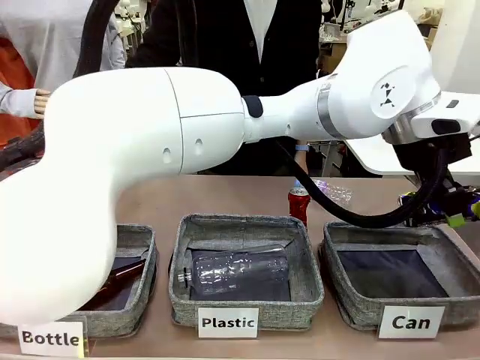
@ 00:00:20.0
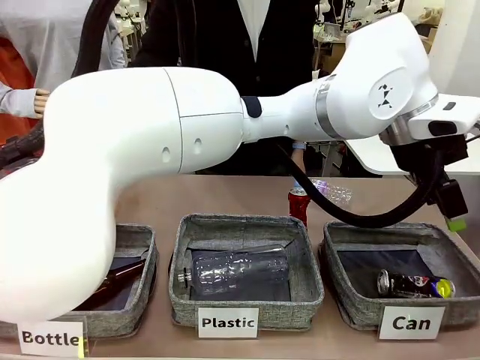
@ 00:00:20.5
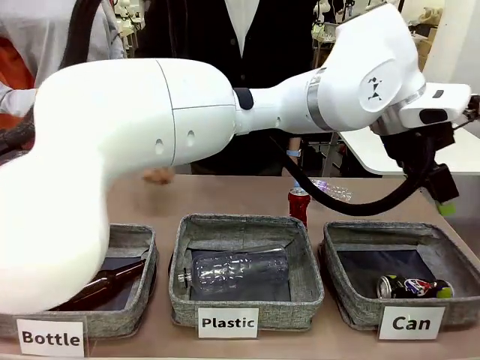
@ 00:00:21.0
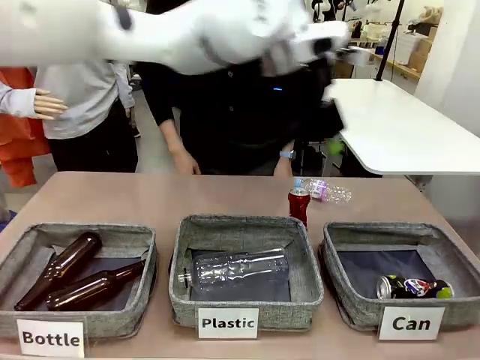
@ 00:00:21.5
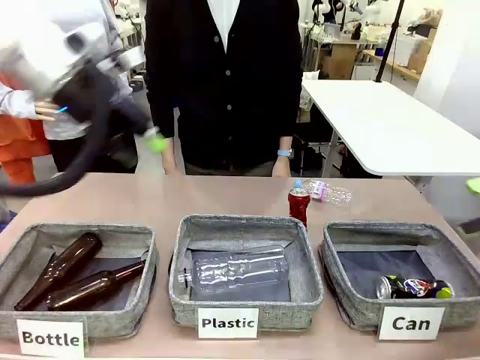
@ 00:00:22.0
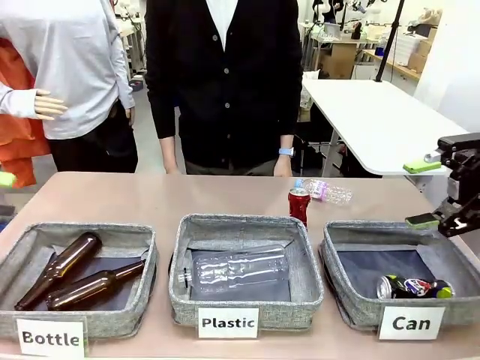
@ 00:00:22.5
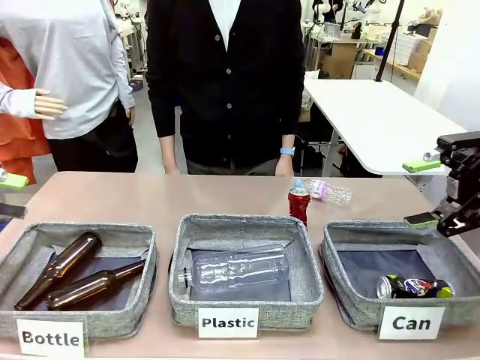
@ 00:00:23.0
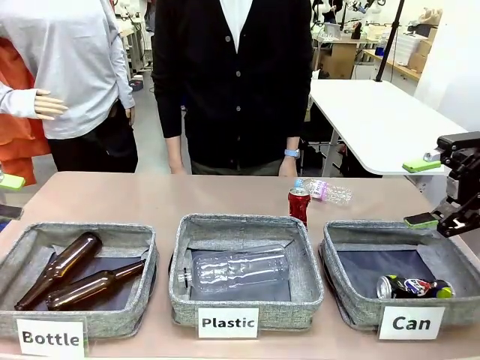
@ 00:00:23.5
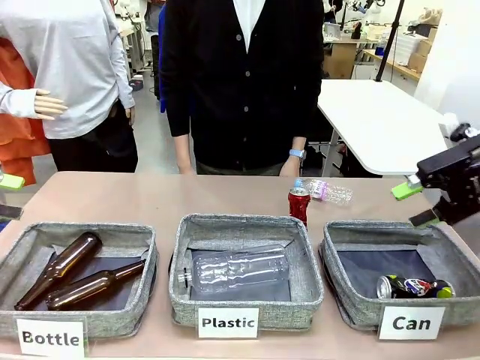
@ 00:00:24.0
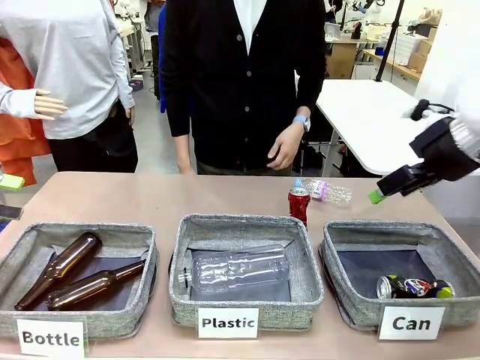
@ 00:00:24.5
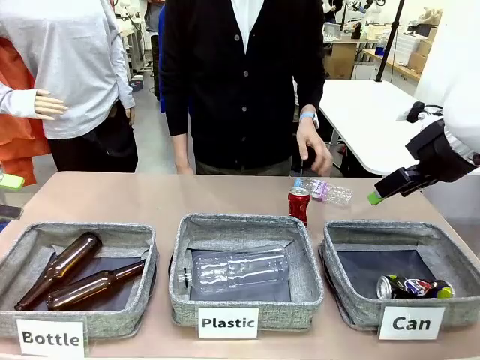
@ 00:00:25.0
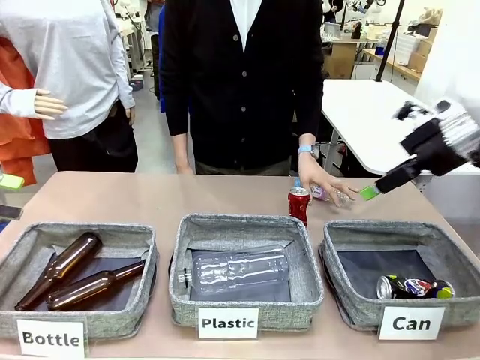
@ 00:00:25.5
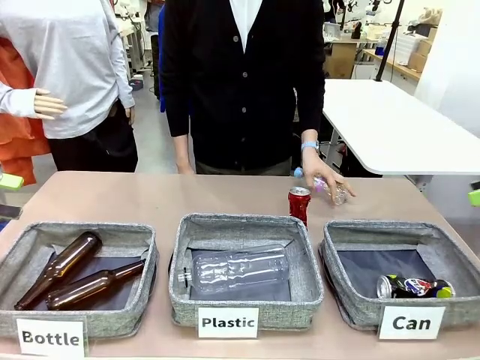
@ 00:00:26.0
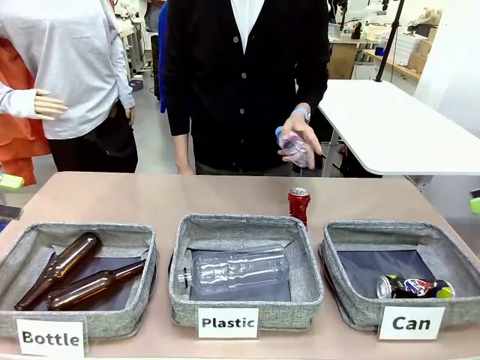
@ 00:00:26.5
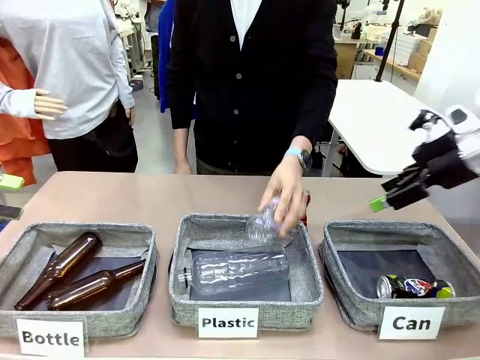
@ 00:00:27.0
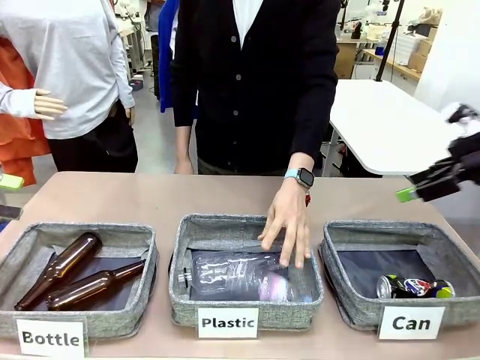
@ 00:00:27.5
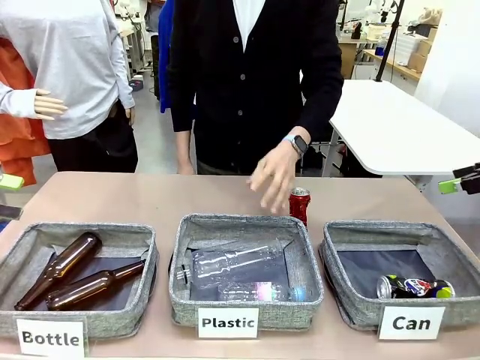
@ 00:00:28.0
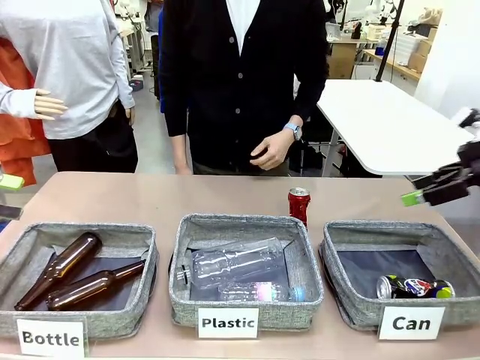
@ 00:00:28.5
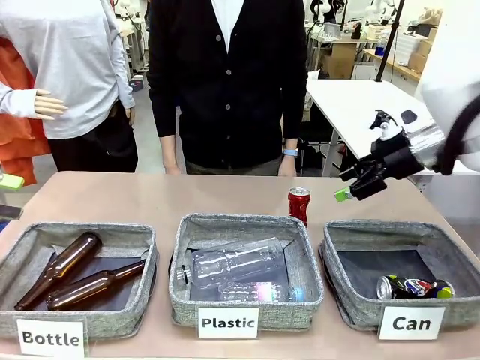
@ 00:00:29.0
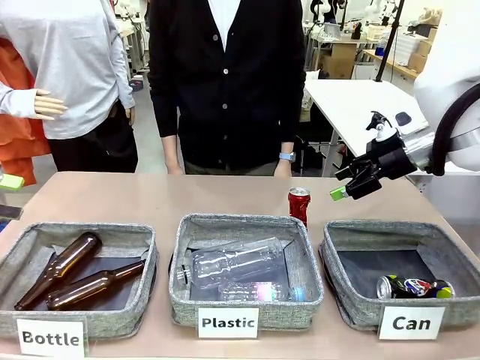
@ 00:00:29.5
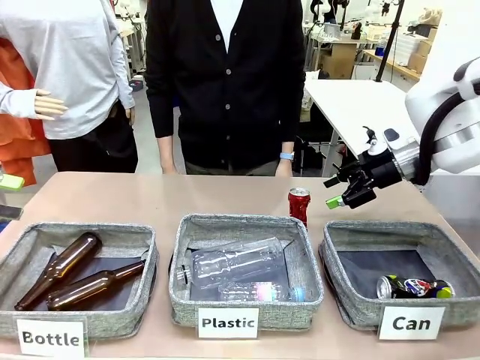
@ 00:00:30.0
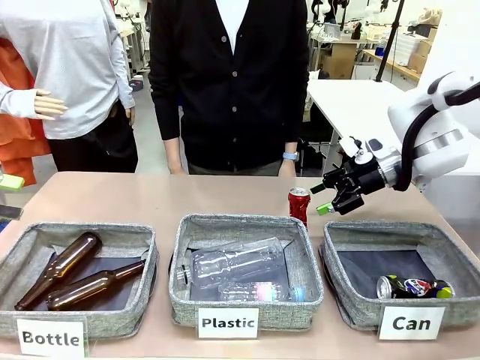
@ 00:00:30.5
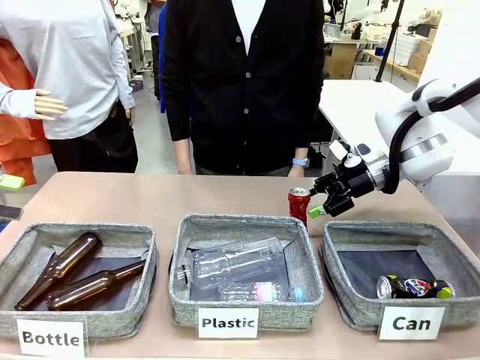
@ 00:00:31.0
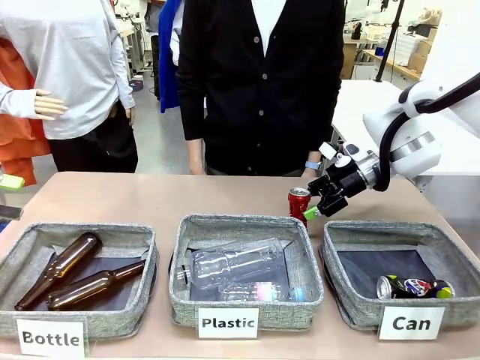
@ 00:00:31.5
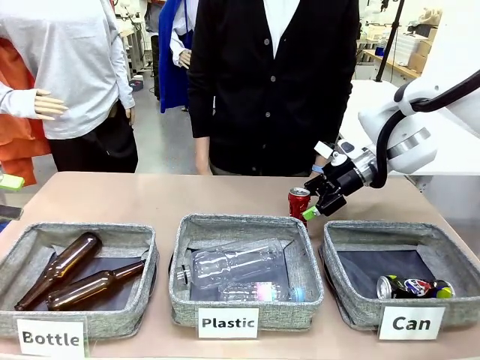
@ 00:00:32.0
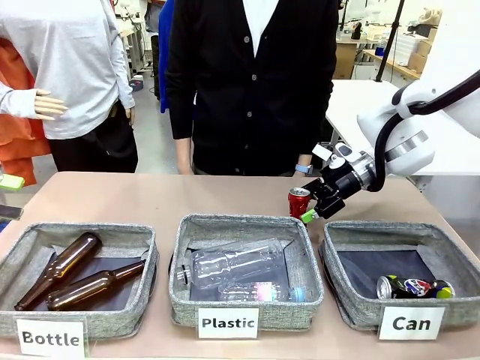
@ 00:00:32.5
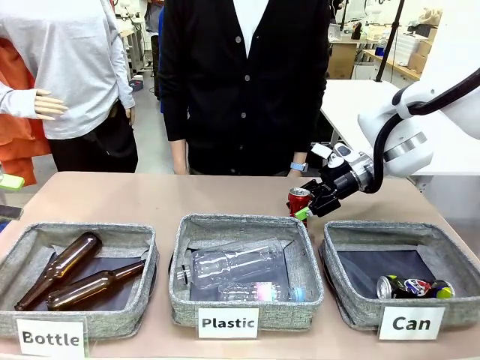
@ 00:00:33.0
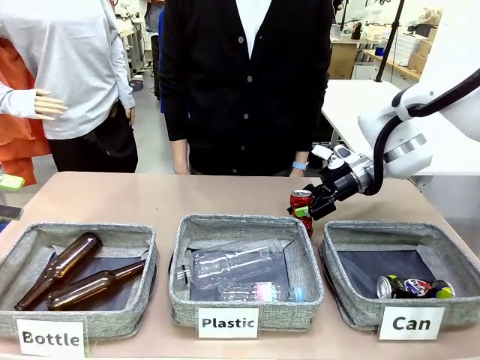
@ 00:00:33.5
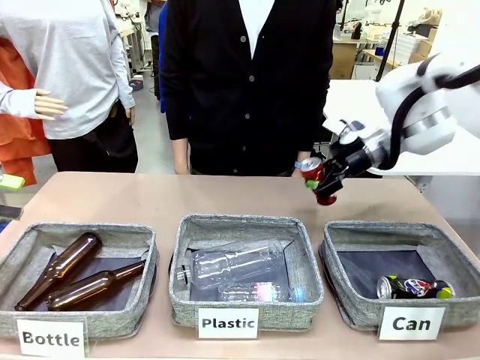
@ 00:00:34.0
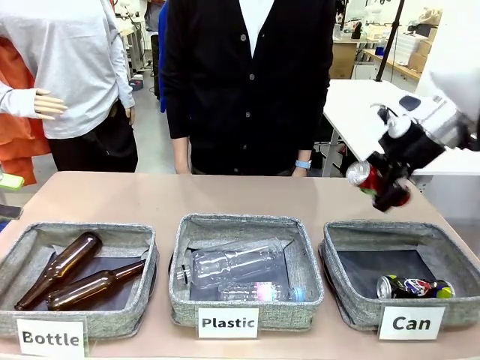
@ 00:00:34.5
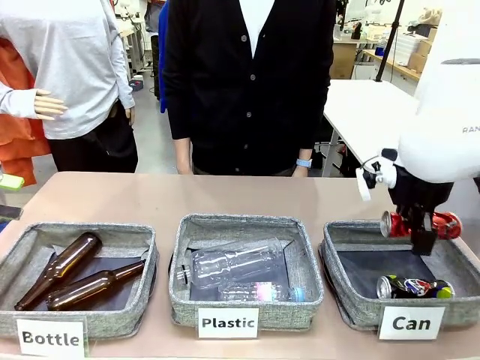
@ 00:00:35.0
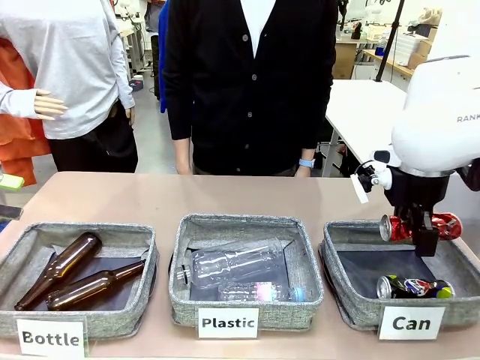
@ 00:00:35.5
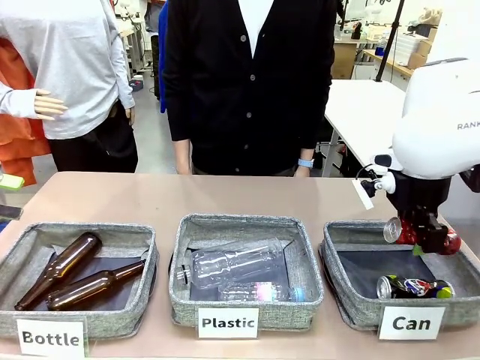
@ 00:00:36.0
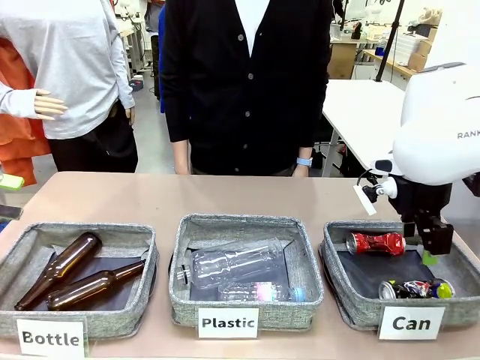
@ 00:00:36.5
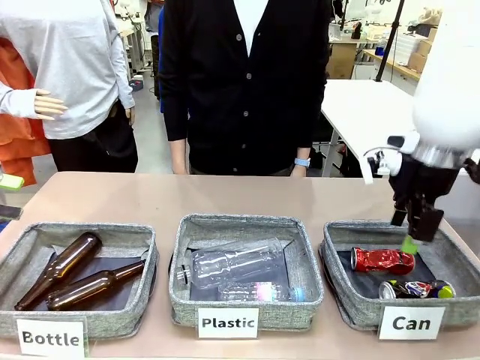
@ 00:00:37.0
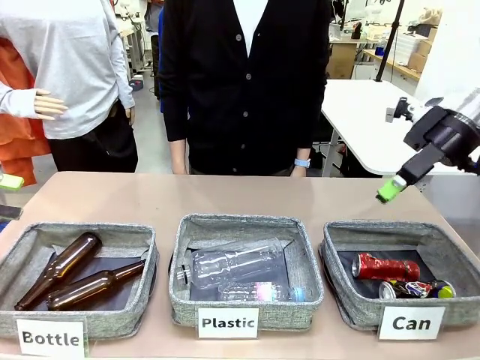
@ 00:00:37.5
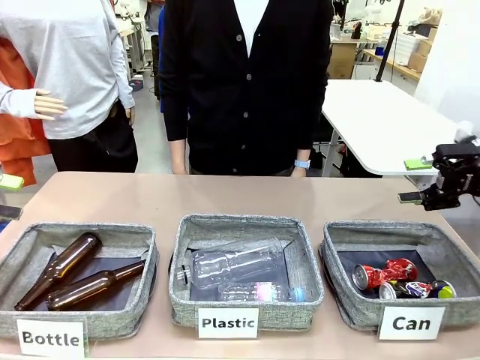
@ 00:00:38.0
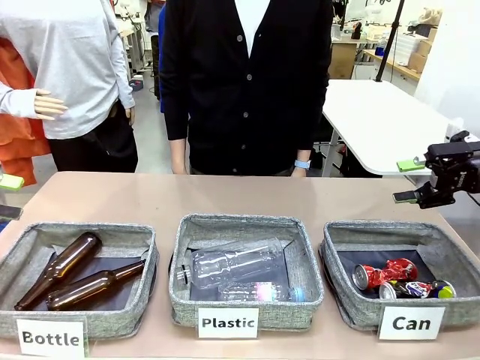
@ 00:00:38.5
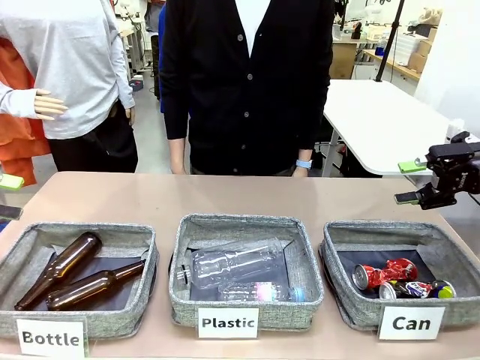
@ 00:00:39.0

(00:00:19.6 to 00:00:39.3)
Task: Sort the can waste into the basket.
Robot: Pick up the can waste from the table and place it in the right Fabric basket.
Person: The human picks up one piece of trash that is not a can and places the trash into the appropriate organizing basket.

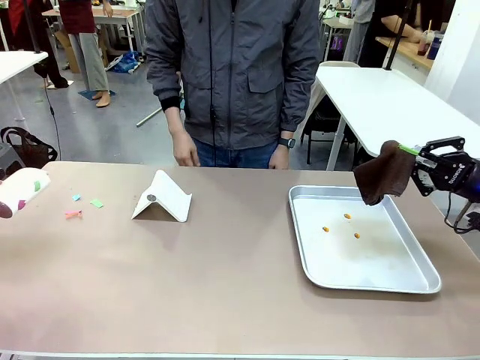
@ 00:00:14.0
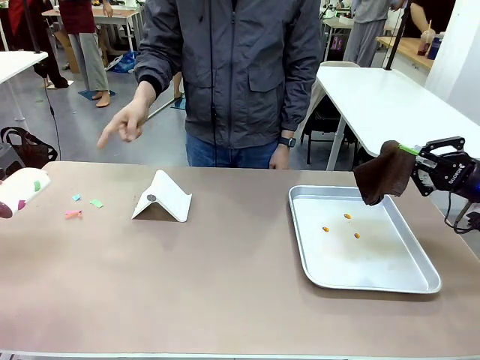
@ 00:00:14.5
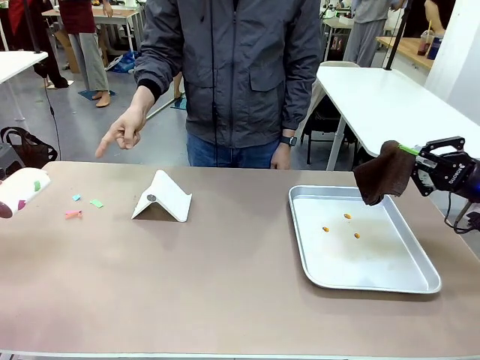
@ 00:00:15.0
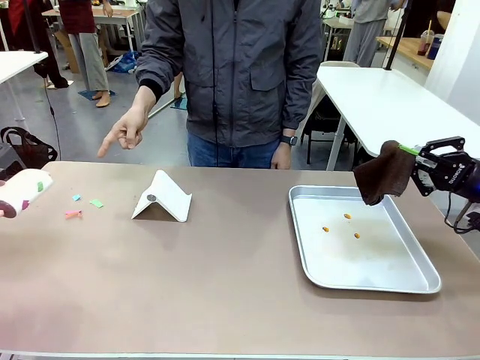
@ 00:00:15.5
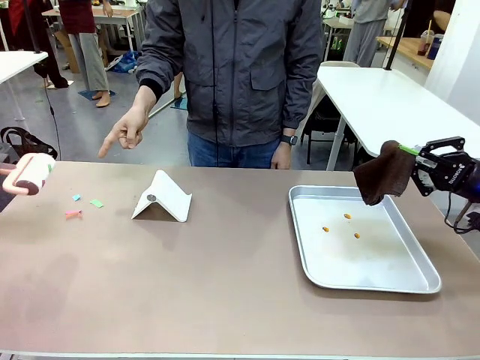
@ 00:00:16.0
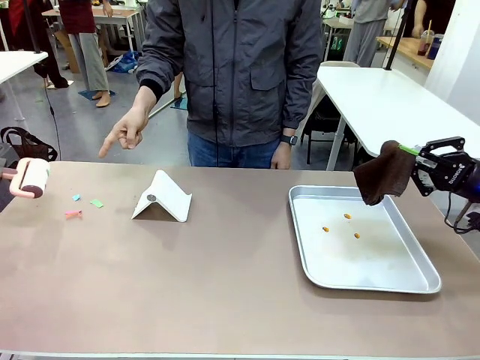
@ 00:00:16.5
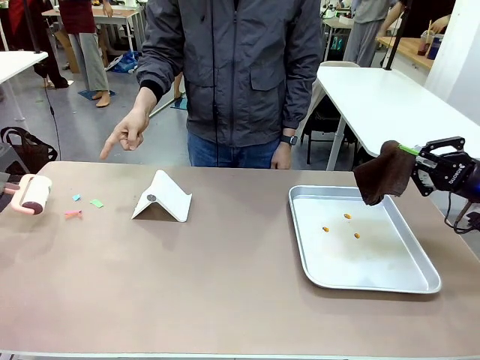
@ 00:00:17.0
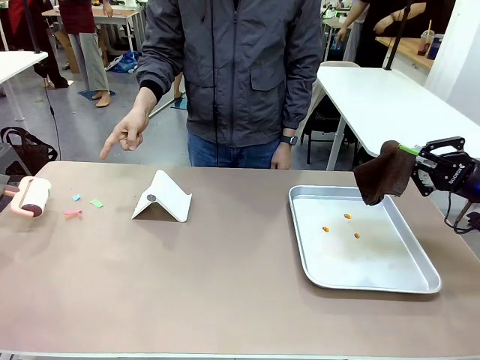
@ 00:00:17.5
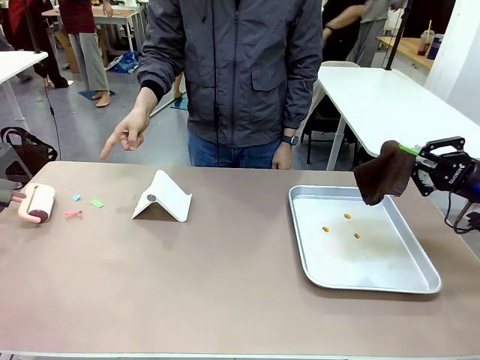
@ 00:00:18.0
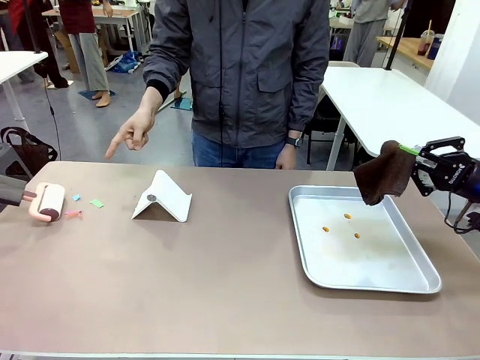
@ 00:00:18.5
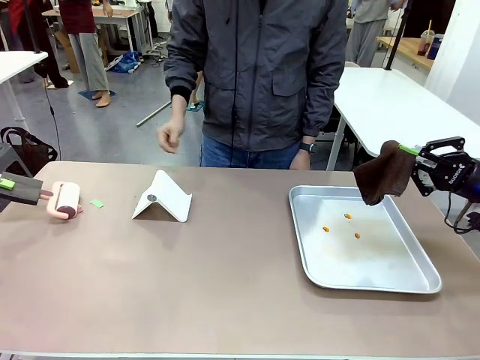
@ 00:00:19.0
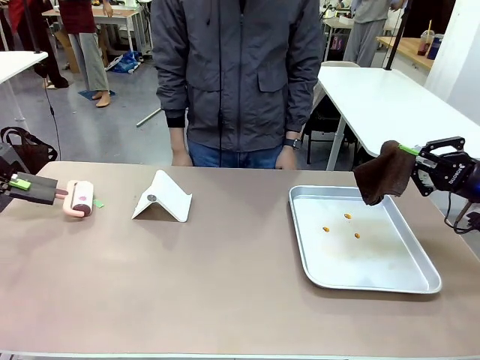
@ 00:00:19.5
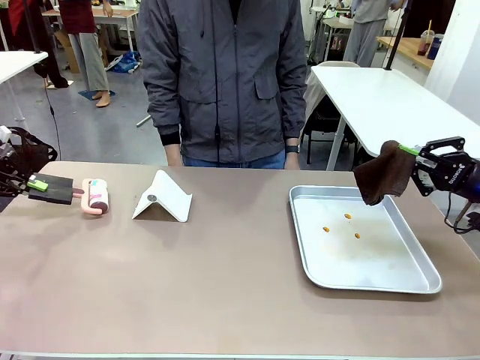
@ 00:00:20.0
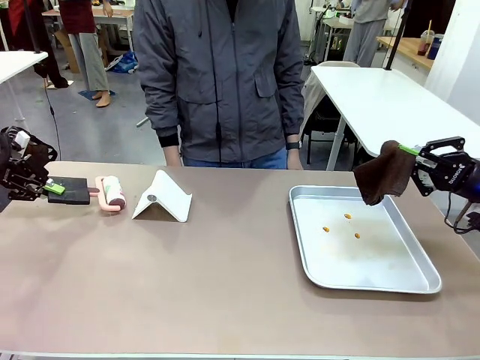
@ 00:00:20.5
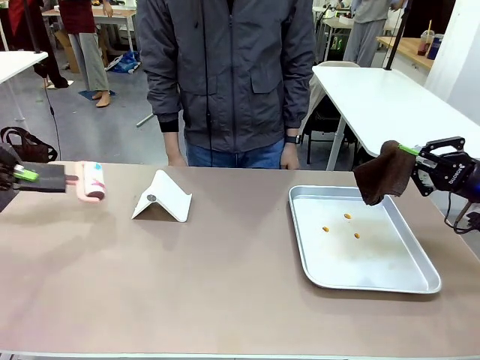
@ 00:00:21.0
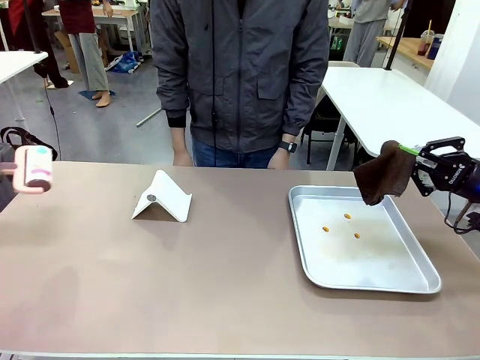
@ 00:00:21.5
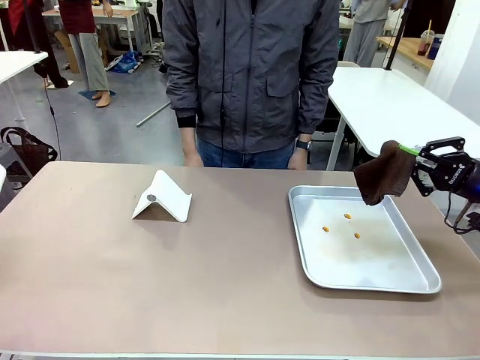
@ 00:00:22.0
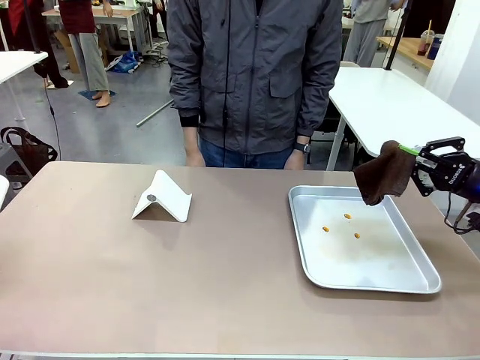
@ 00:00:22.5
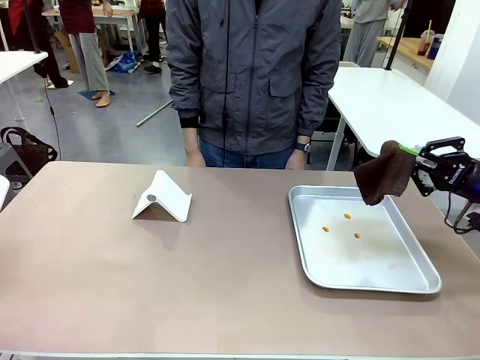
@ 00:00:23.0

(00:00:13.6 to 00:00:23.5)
Task: Clean the surface of the table.
Robot: If a person points to the right, clean the right side of the table with your right hand, and if they point to the left, clean the left side with your left hand.
